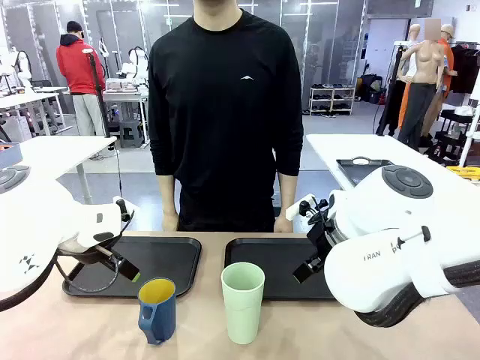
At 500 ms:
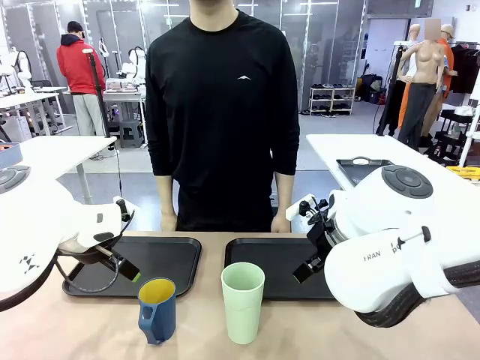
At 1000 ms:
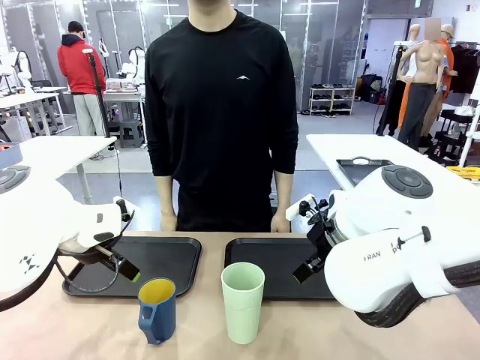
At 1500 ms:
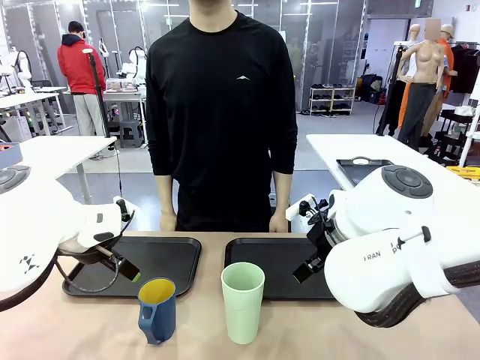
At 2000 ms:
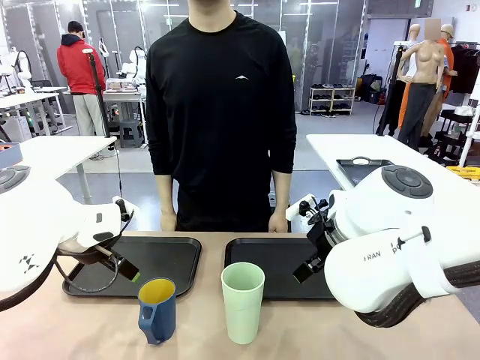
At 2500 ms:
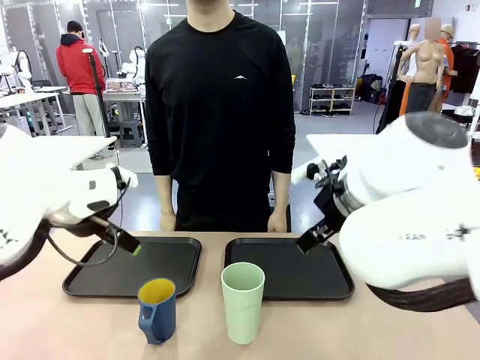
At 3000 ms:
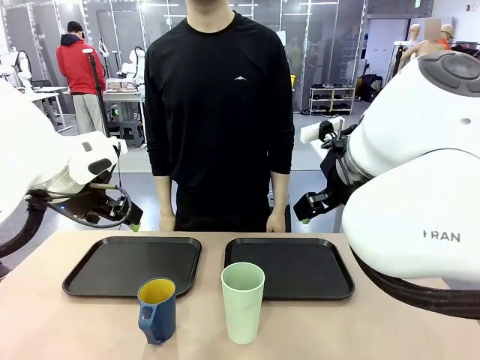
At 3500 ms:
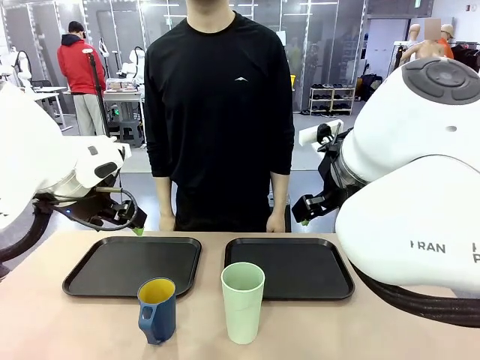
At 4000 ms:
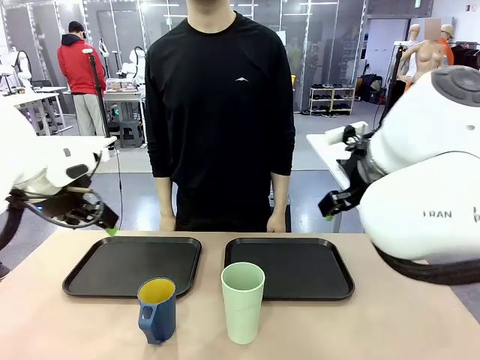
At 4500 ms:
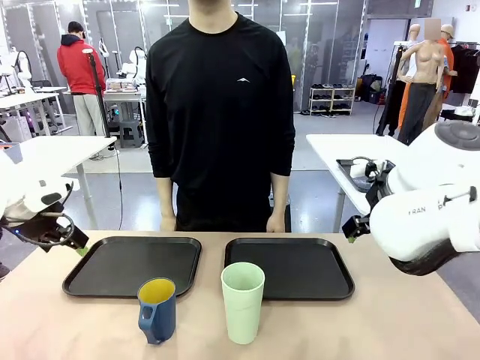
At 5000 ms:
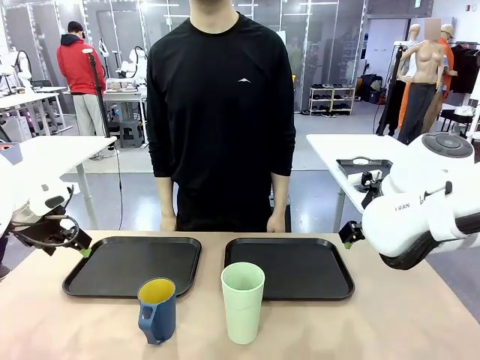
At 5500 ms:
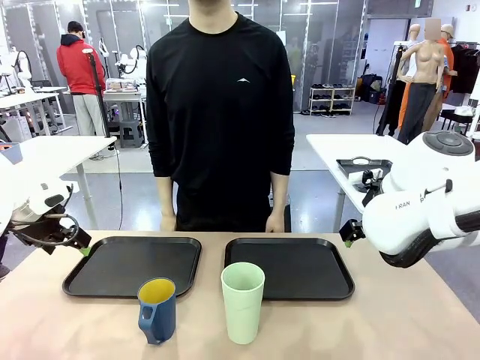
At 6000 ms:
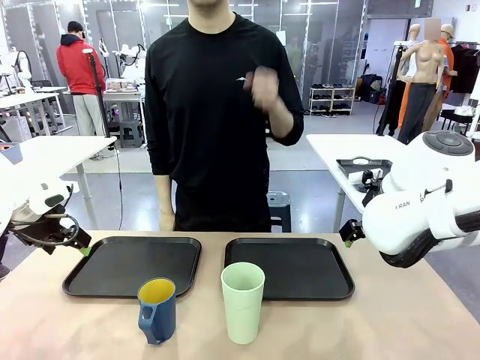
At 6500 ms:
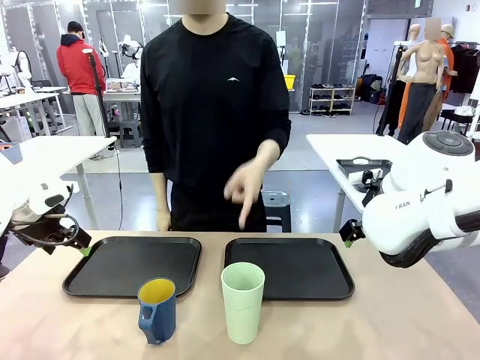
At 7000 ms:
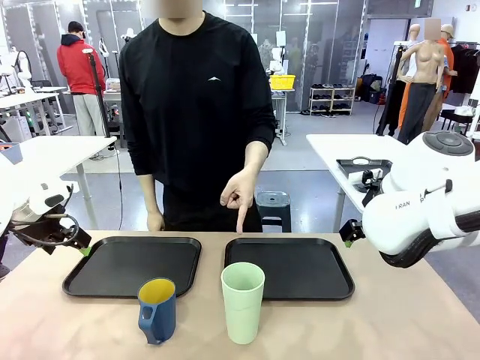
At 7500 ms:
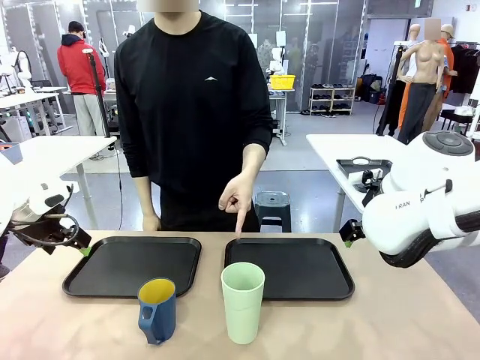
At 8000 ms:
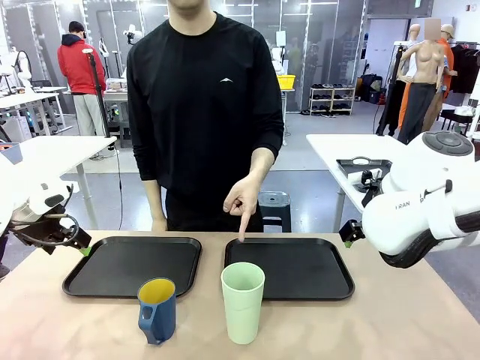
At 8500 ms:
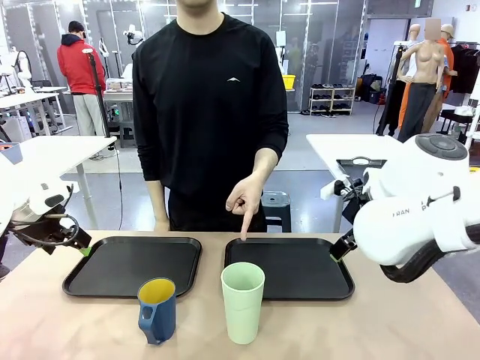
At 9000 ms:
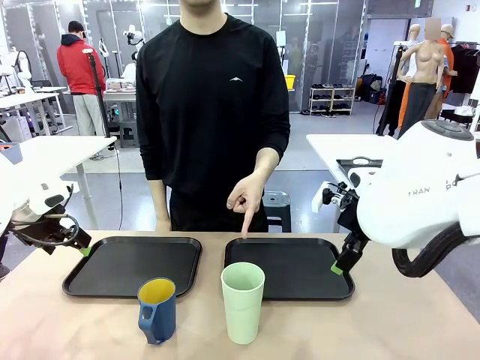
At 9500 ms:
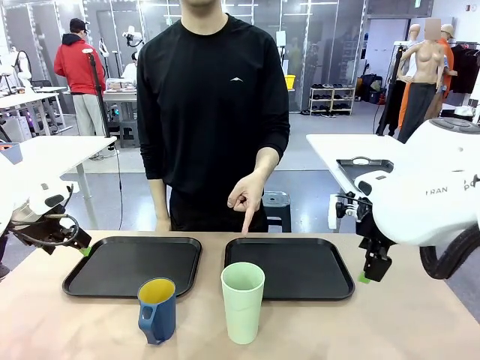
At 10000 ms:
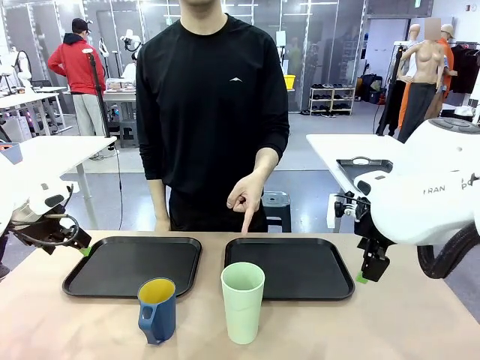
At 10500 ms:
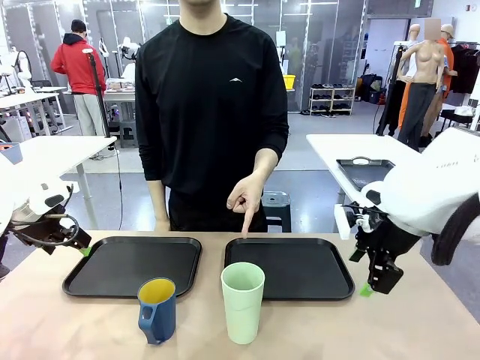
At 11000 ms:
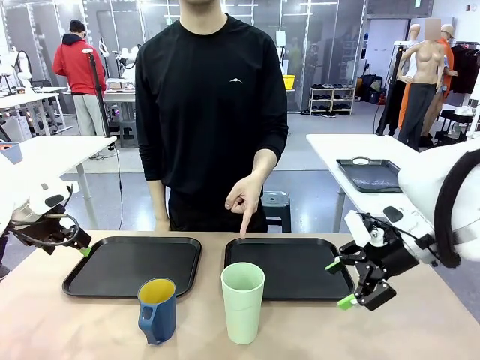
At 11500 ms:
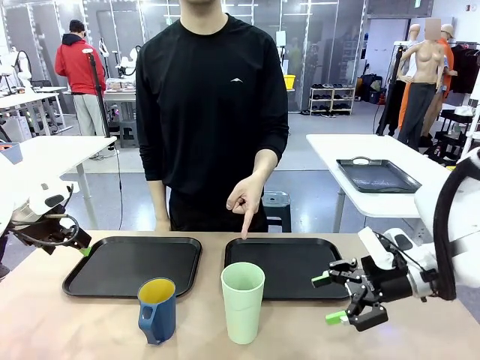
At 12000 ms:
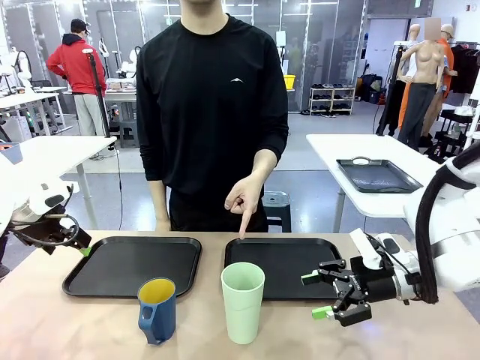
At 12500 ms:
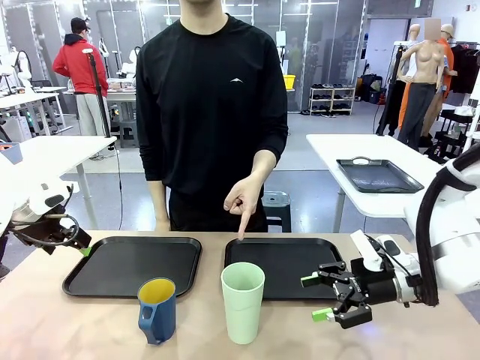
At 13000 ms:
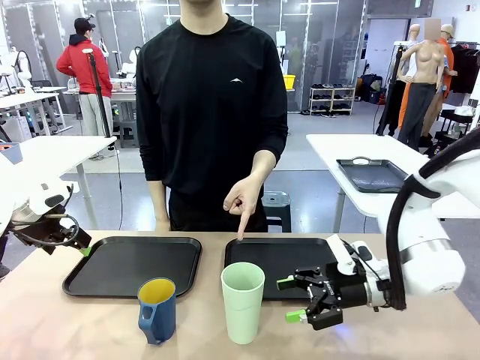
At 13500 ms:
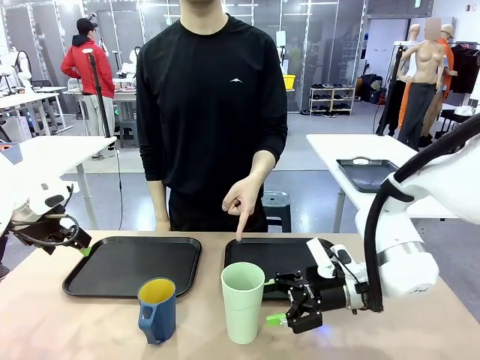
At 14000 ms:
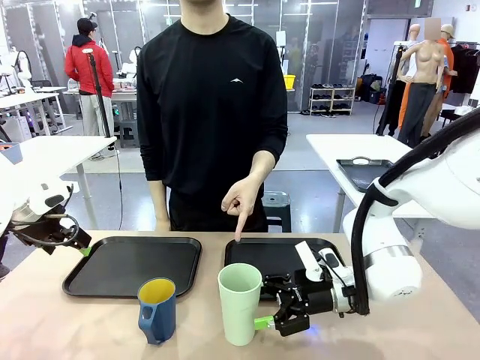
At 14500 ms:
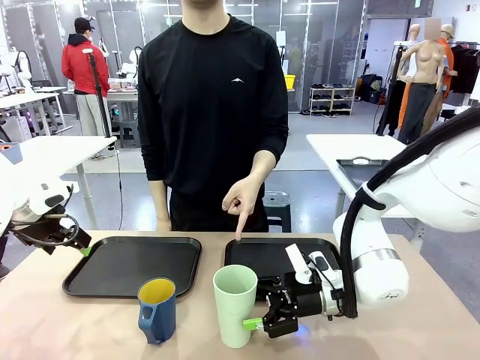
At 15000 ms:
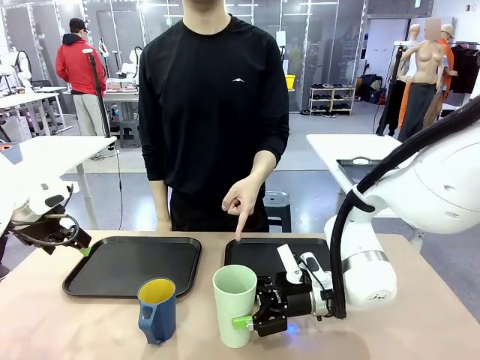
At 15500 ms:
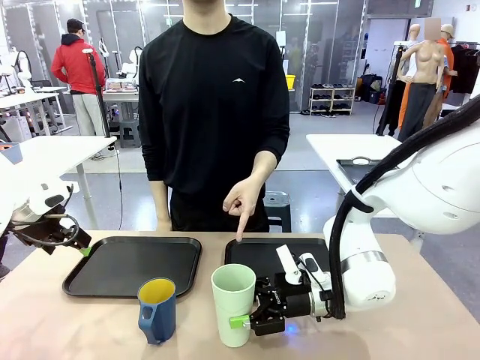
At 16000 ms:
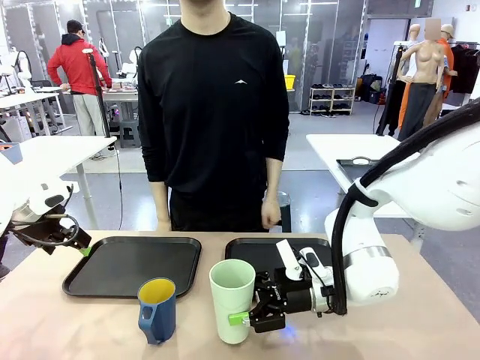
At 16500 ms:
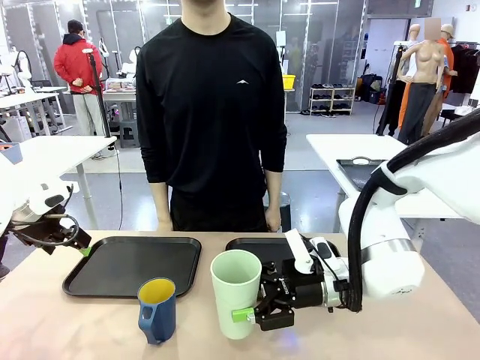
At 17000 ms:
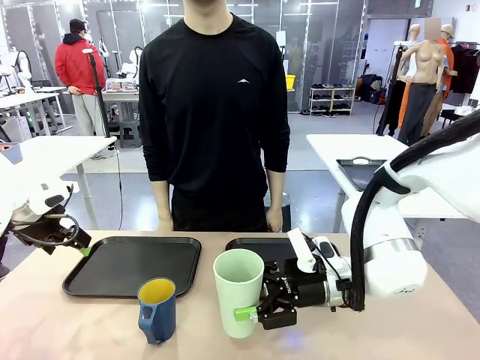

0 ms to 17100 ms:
Task: Sort and store the cups by type.
Robot: Pick up the Reusable plastic cup.
Person: Points to the reusable cup. Point to one of the two trays.

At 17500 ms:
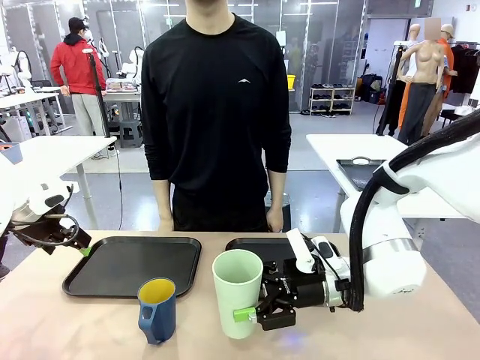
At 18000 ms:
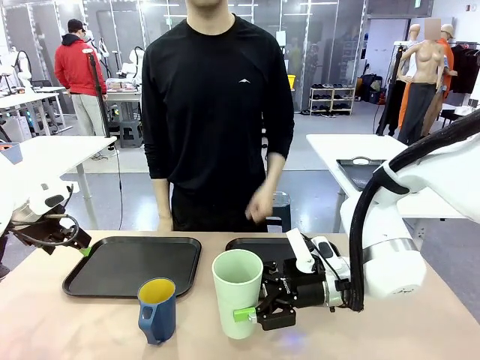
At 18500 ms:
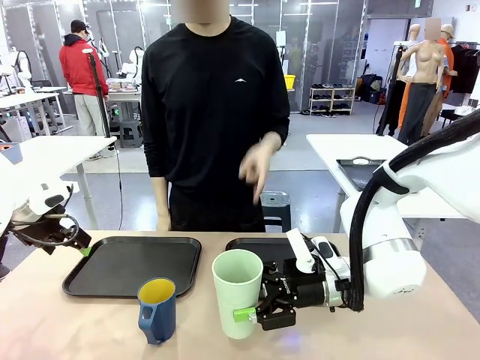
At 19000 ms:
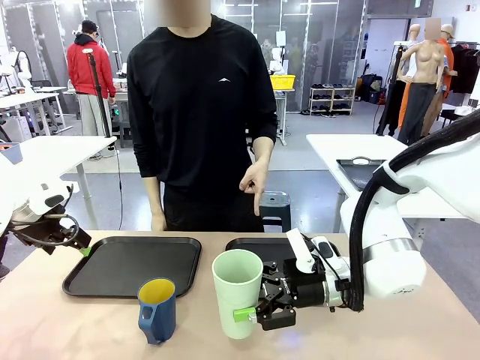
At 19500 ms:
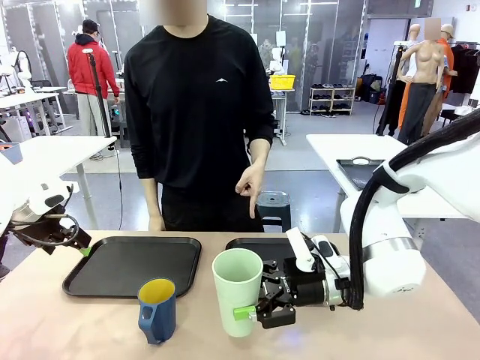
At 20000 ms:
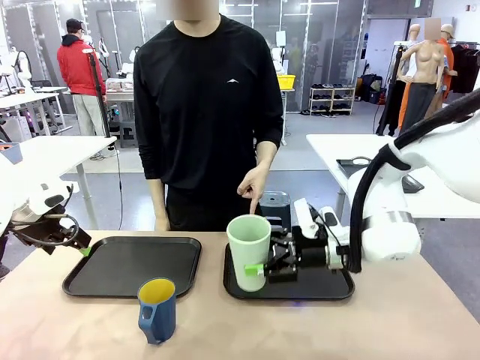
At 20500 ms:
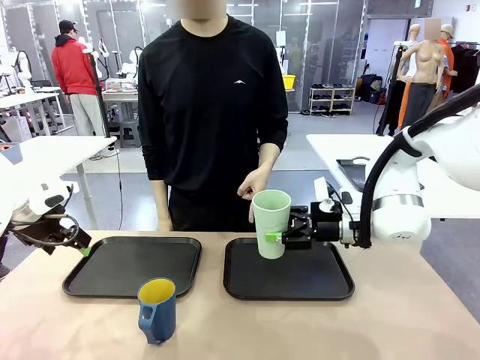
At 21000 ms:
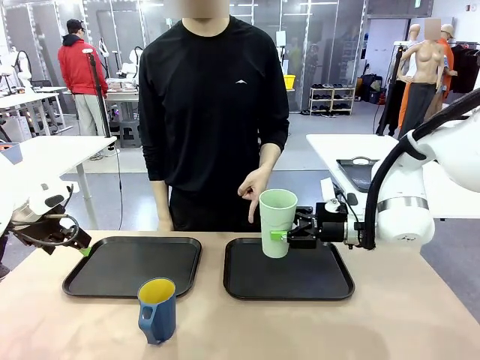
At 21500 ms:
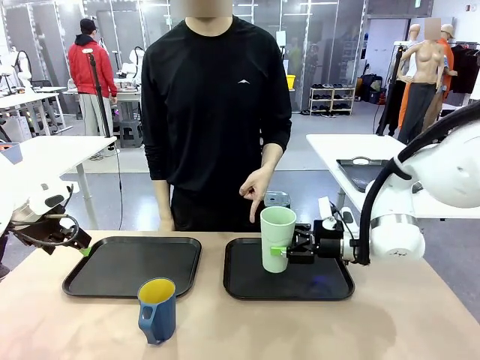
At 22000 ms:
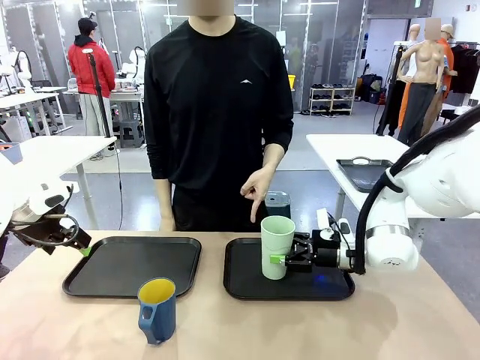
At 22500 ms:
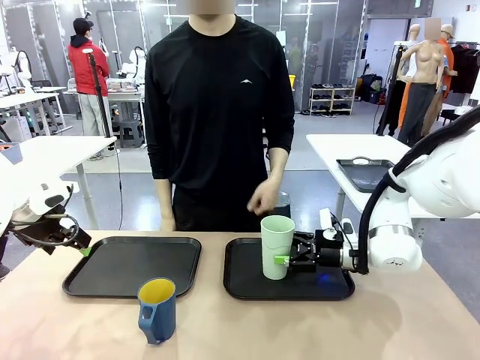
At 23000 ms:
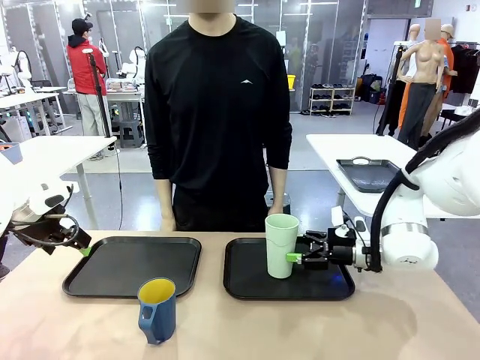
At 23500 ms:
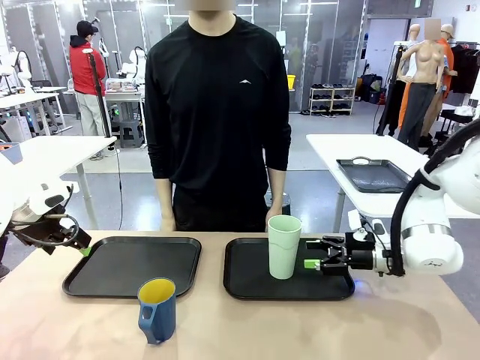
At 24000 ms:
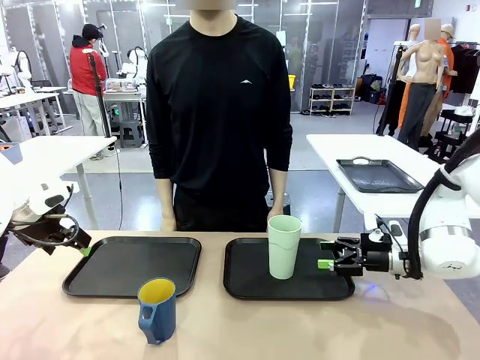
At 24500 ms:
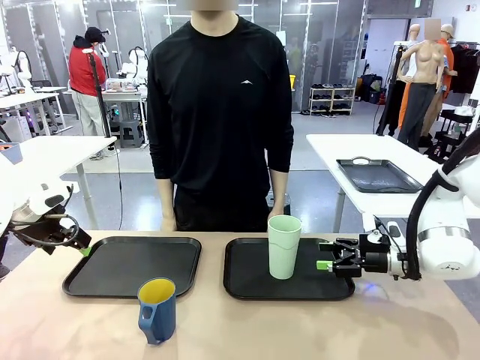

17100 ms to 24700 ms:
Robot: Place the picked Reusable plastic cup into the Flat Tray indicated by the person.
